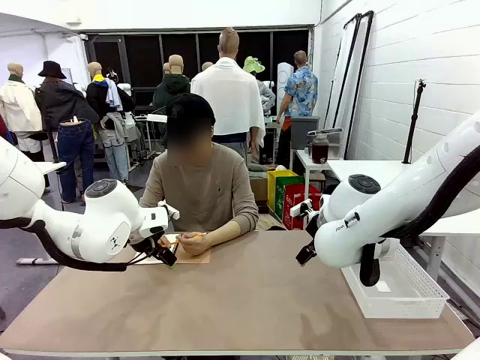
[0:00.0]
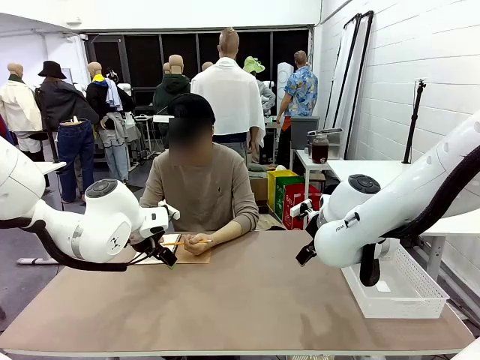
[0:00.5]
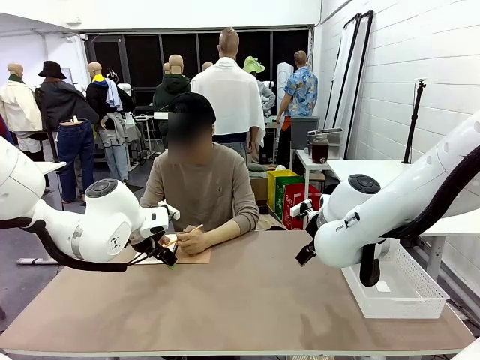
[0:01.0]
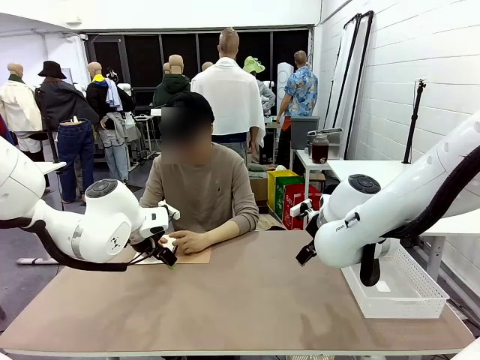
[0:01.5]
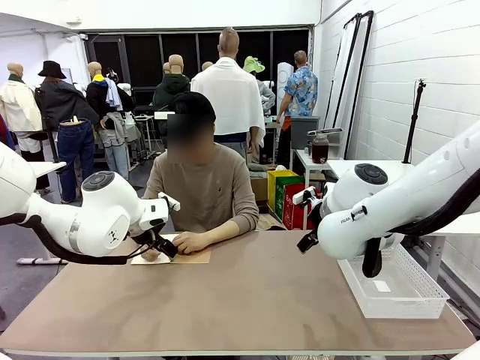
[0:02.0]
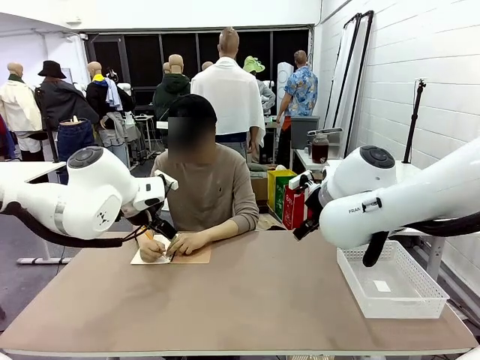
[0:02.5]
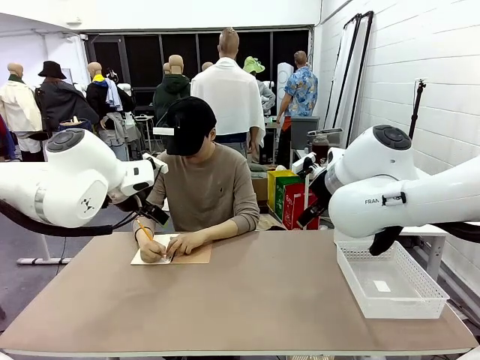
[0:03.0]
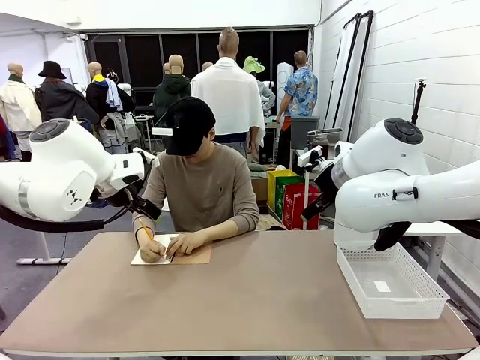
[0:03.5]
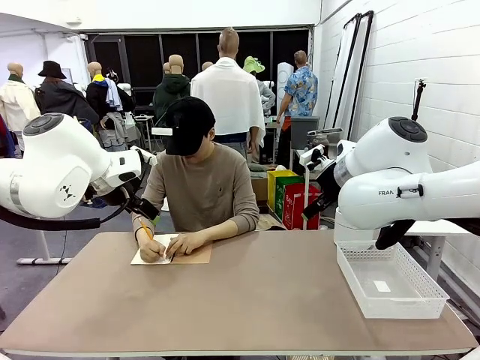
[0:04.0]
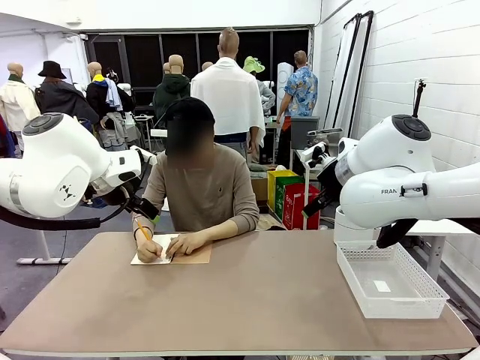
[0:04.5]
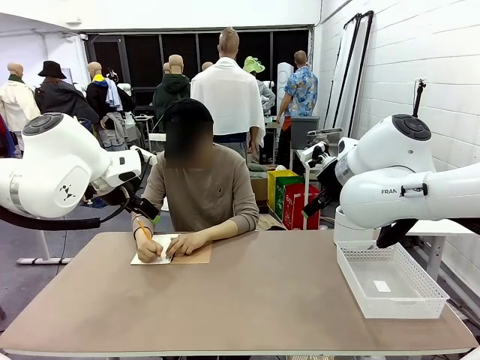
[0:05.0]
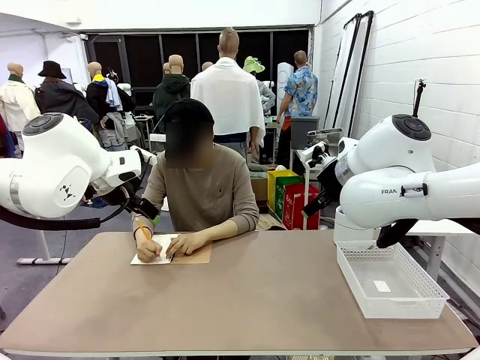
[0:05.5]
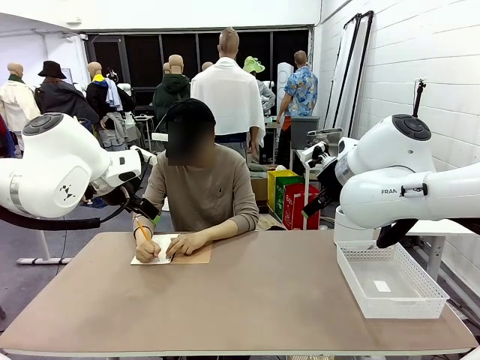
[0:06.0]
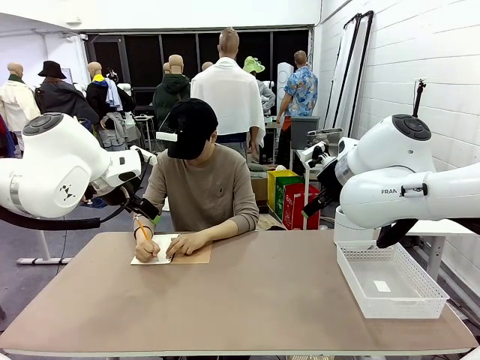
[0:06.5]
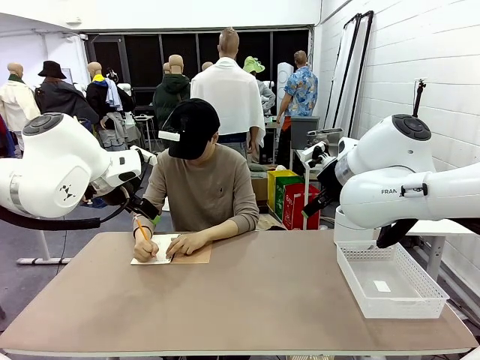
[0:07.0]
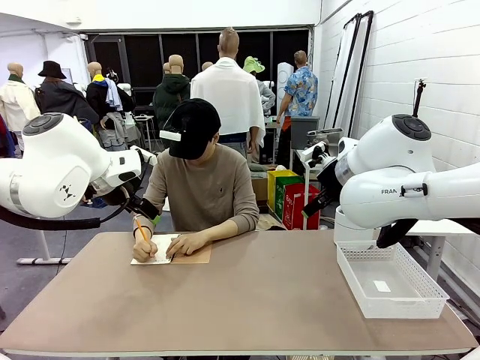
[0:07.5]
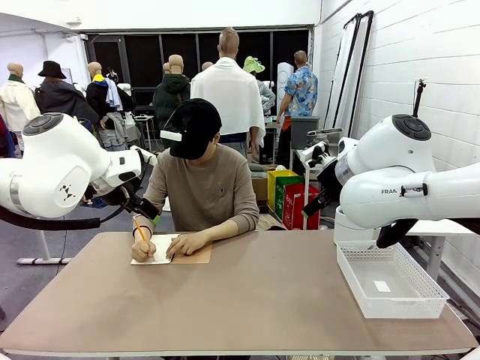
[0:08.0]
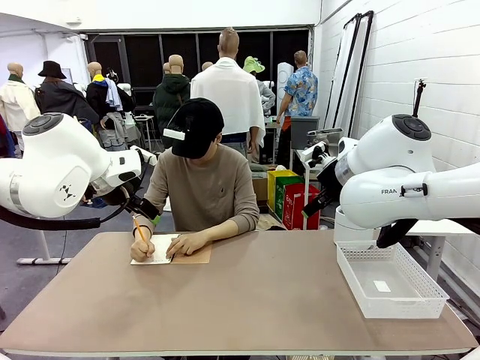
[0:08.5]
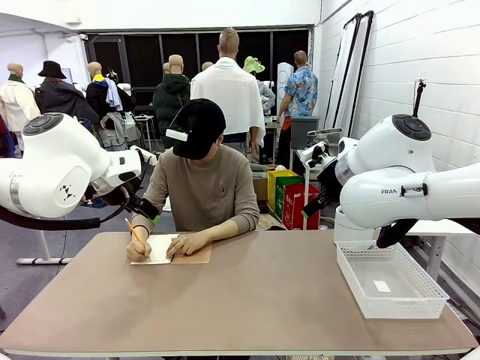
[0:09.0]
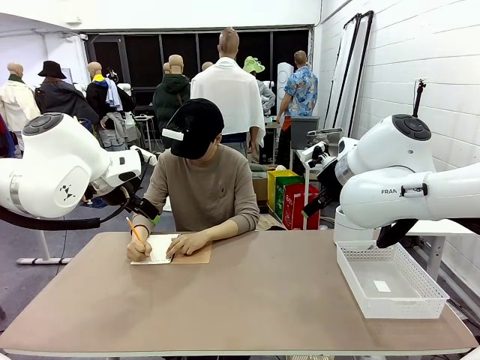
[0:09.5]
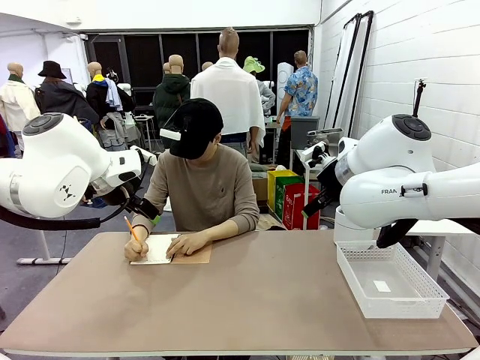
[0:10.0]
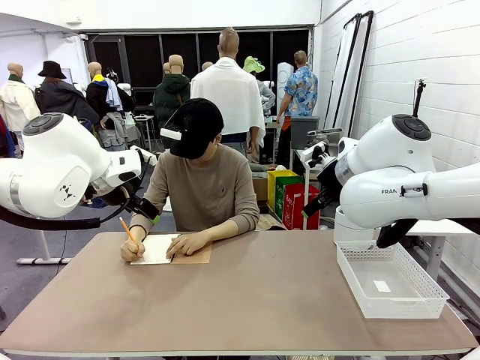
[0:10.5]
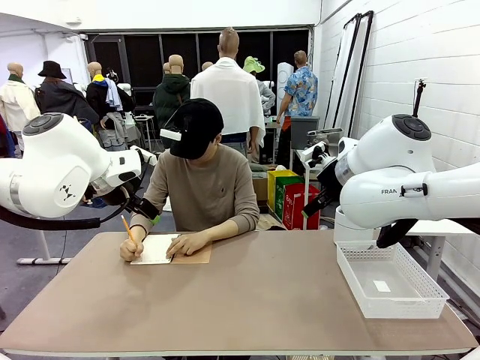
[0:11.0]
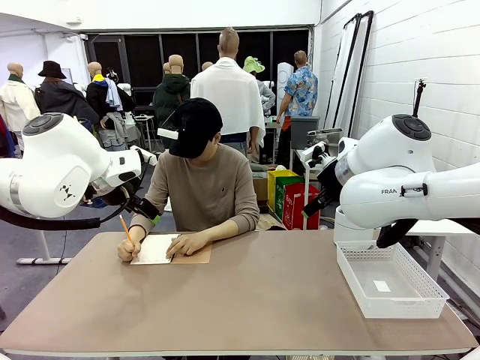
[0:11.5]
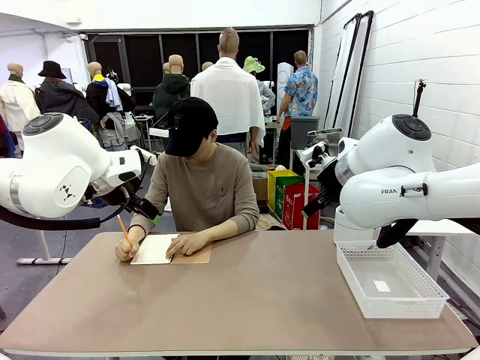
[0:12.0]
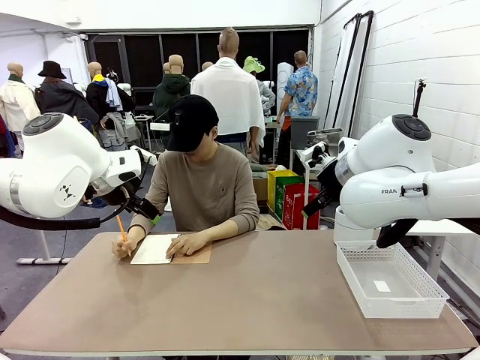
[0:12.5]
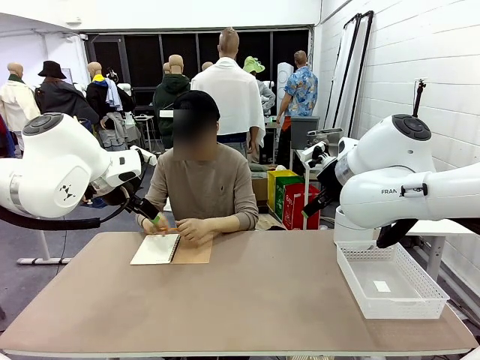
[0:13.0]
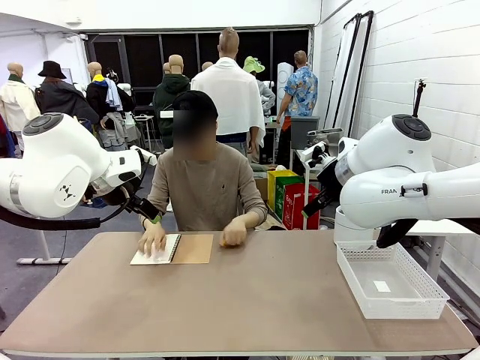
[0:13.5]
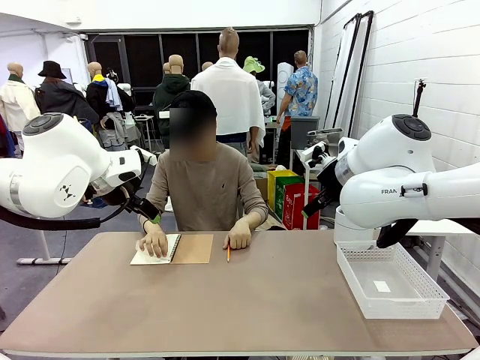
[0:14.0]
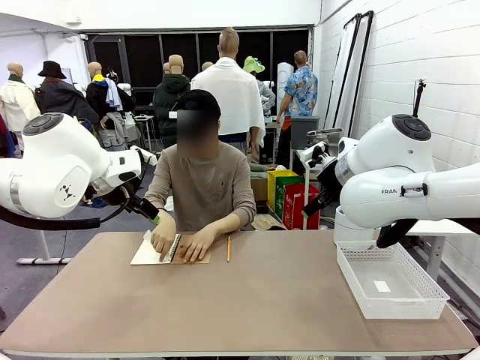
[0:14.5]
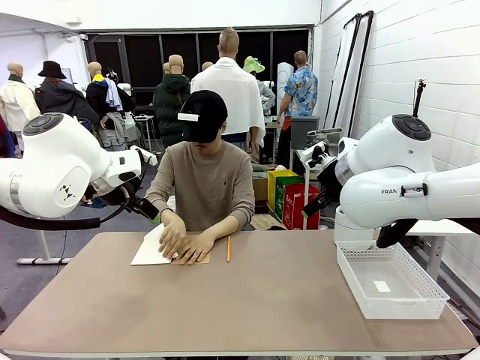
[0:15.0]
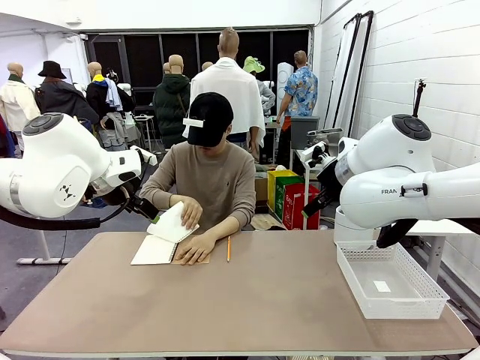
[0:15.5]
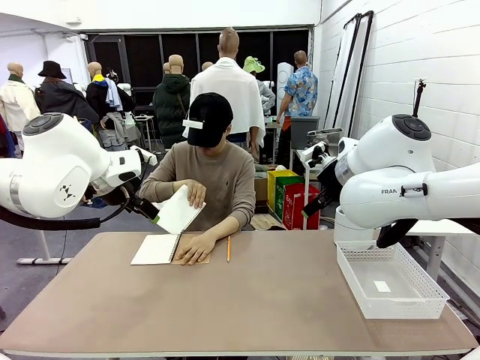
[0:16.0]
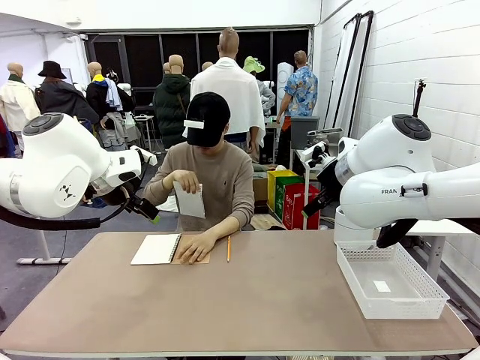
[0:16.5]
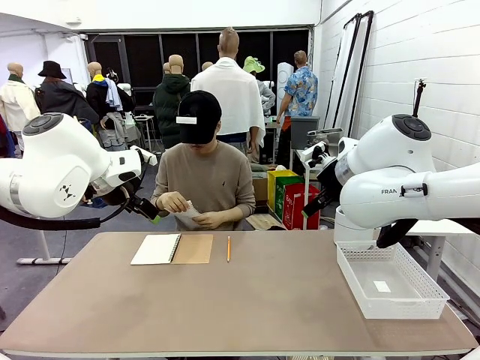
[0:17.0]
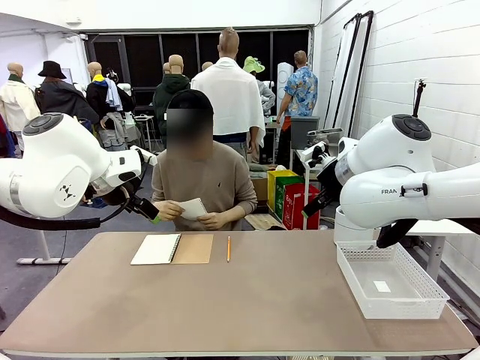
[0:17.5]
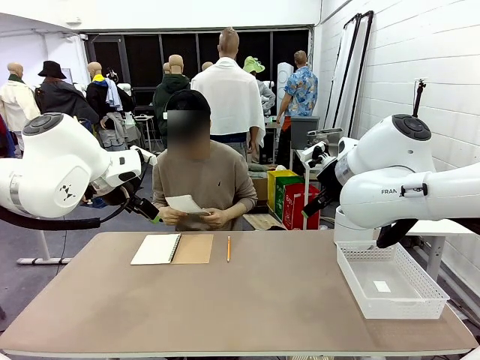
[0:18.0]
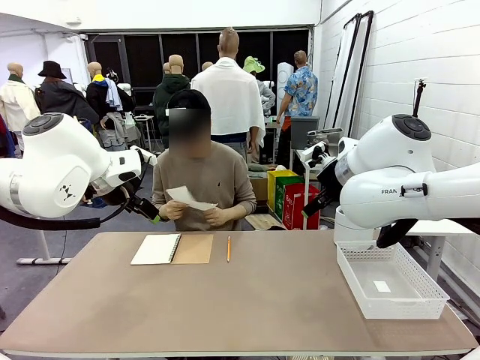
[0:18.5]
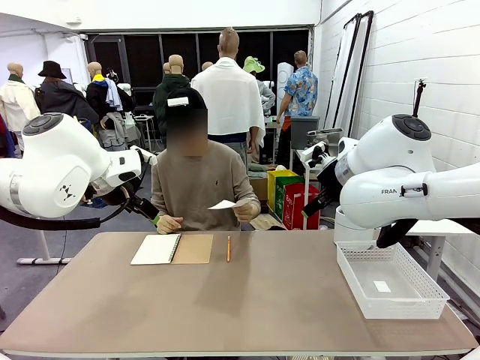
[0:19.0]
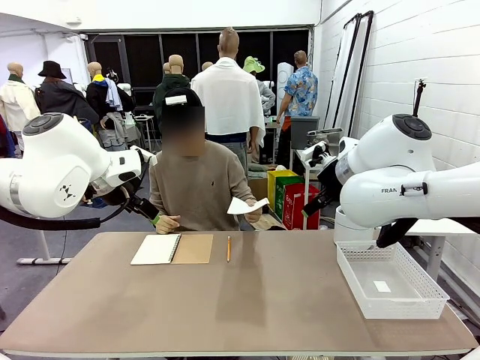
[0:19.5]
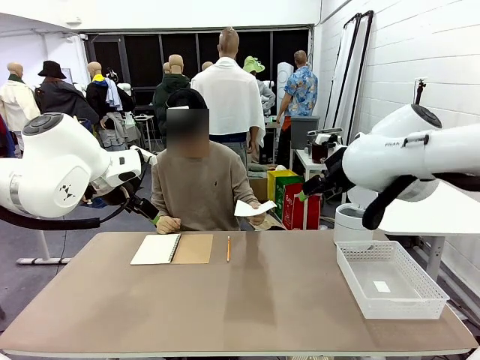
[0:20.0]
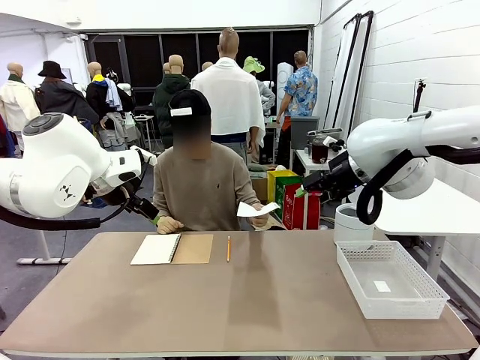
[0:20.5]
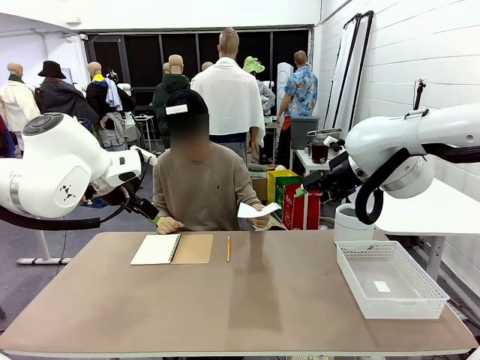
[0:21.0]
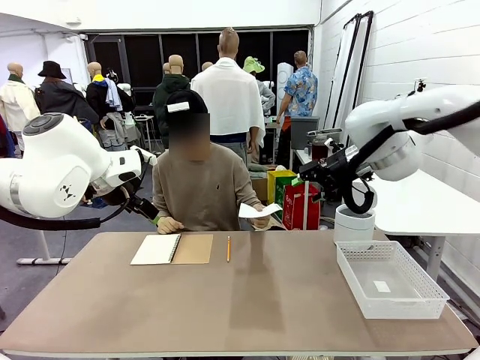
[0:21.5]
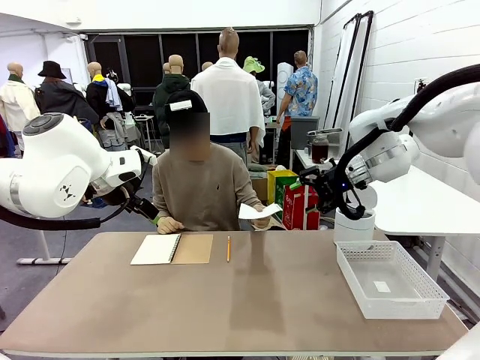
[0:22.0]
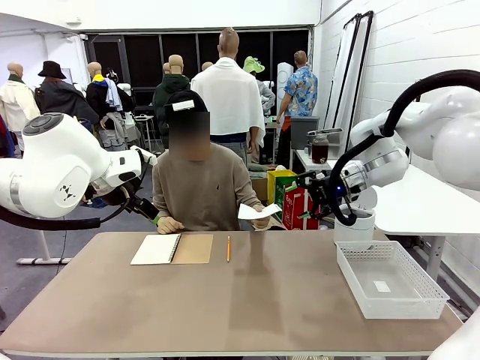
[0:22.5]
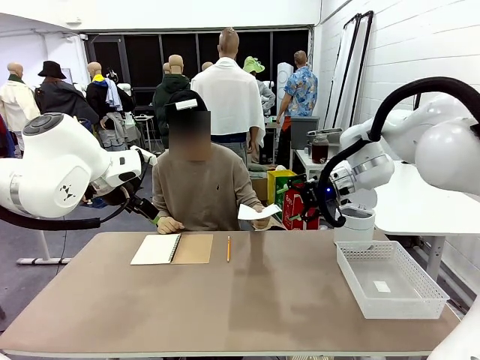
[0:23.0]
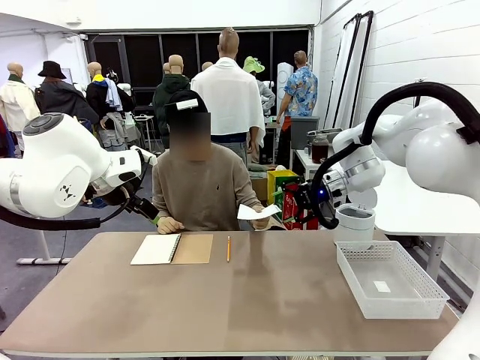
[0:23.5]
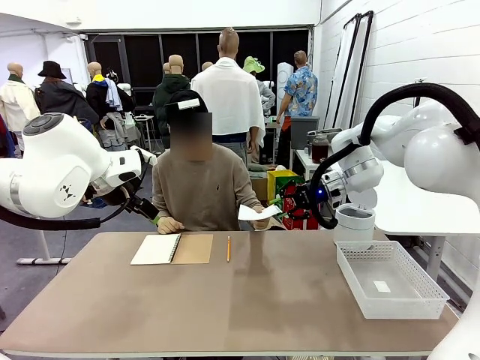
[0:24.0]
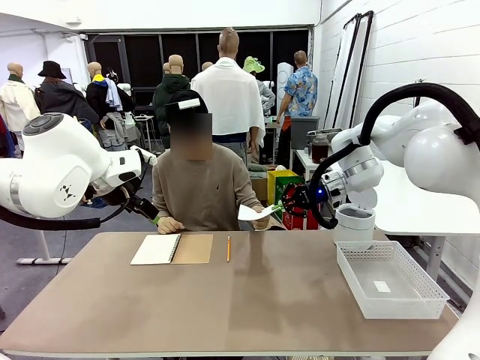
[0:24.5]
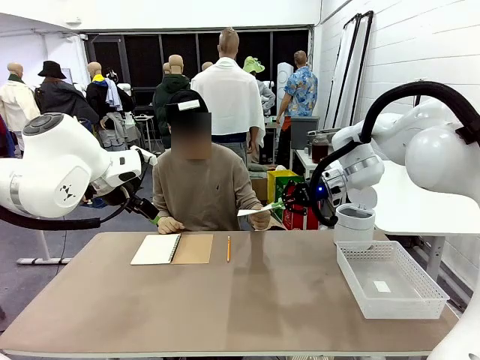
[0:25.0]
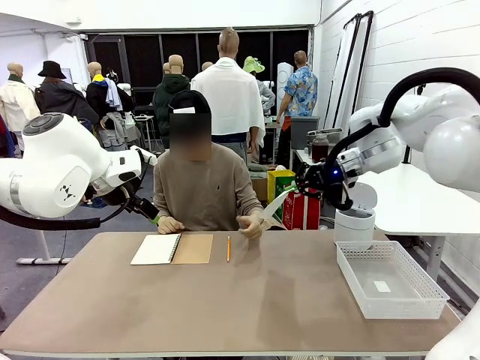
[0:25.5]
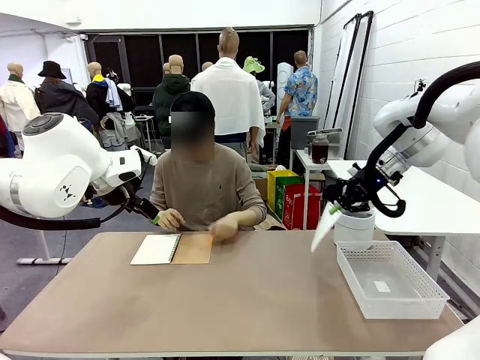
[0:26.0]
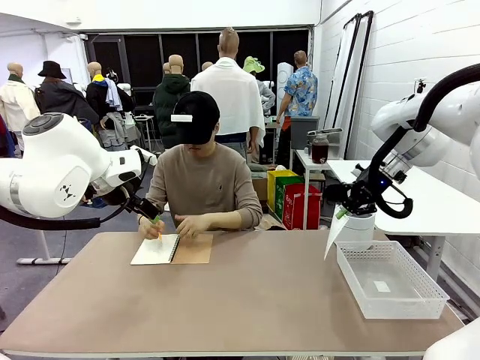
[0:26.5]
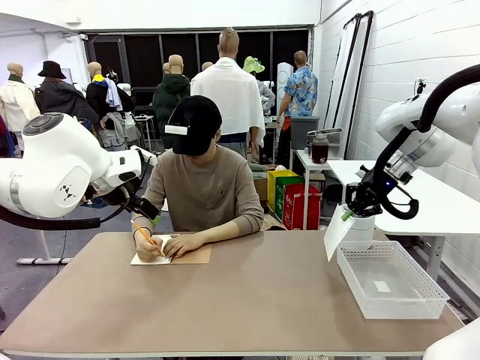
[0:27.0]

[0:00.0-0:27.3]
Task: Sort the paper based on its condition.
Robot: If a person hands you a paper, place it in the Organizing basket , and if it's crumpled, put it in the Trash can.
Person: Tear out a page from the spiral notebook. Hand the torn page to the robot or crumple it and throw it to the center of the table.
